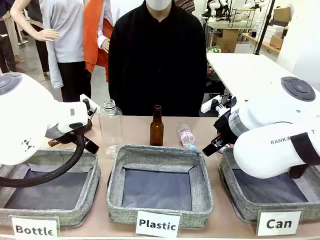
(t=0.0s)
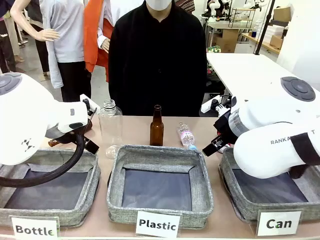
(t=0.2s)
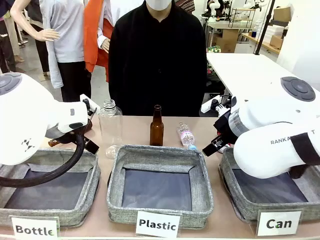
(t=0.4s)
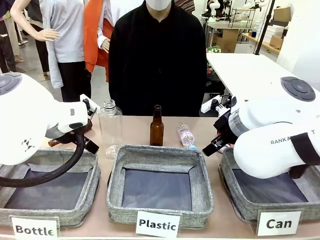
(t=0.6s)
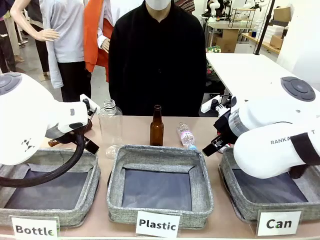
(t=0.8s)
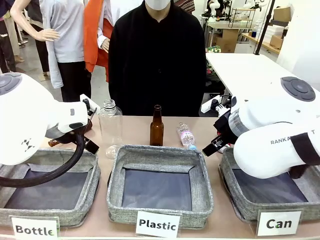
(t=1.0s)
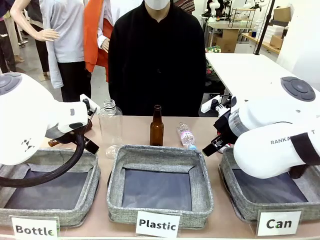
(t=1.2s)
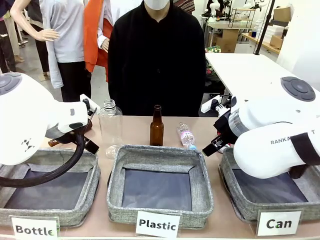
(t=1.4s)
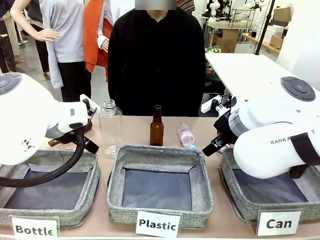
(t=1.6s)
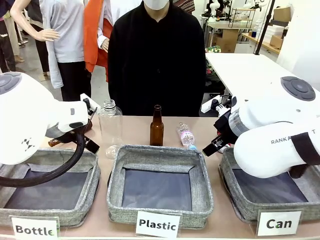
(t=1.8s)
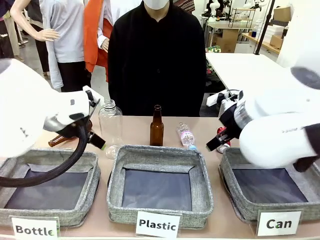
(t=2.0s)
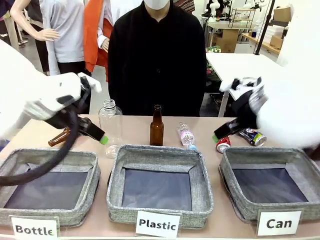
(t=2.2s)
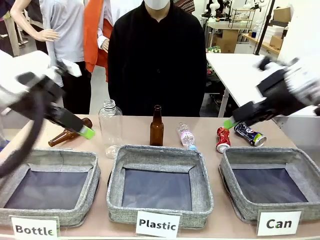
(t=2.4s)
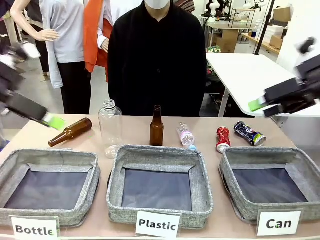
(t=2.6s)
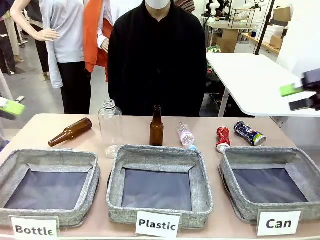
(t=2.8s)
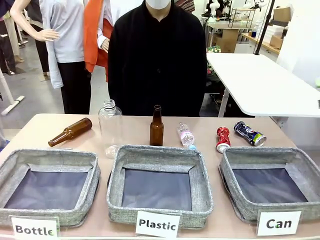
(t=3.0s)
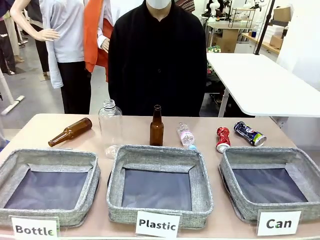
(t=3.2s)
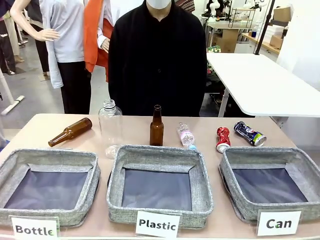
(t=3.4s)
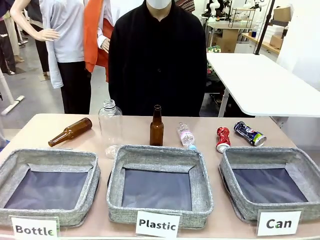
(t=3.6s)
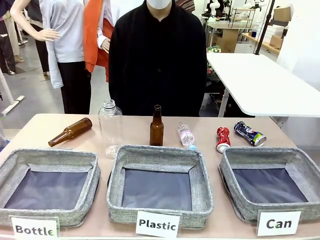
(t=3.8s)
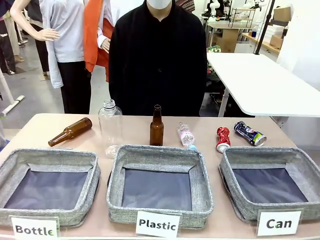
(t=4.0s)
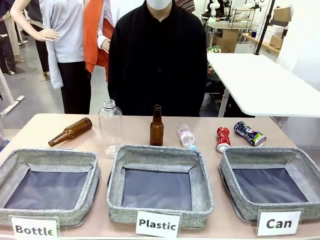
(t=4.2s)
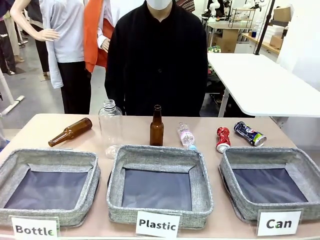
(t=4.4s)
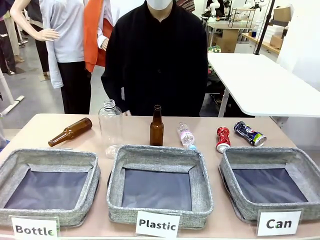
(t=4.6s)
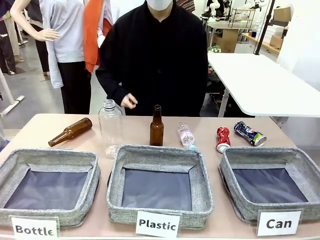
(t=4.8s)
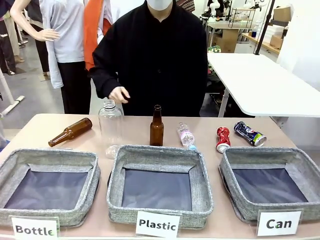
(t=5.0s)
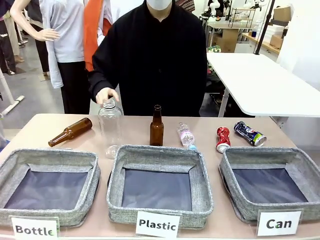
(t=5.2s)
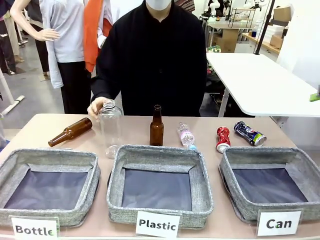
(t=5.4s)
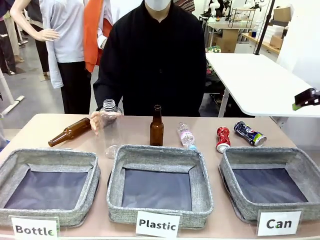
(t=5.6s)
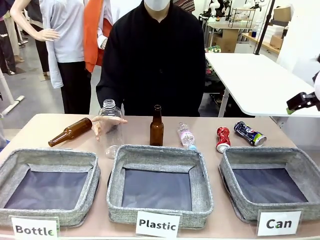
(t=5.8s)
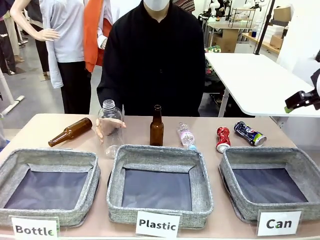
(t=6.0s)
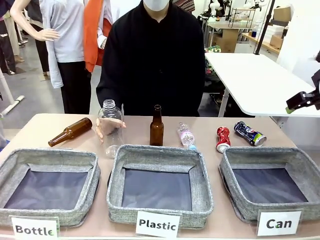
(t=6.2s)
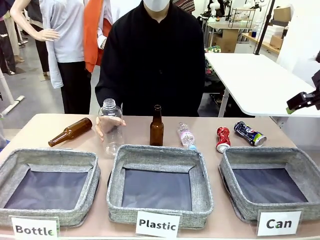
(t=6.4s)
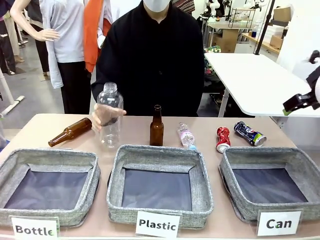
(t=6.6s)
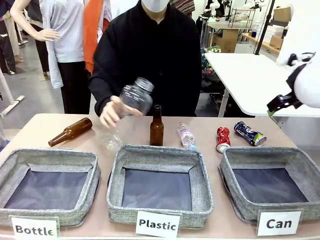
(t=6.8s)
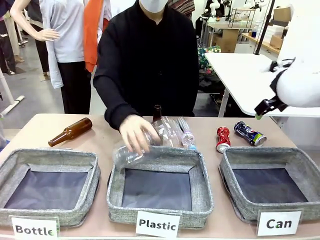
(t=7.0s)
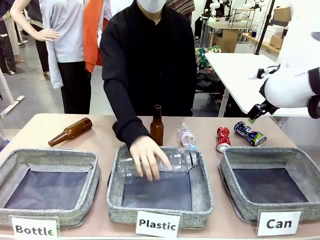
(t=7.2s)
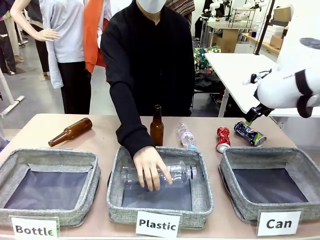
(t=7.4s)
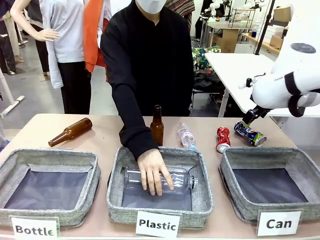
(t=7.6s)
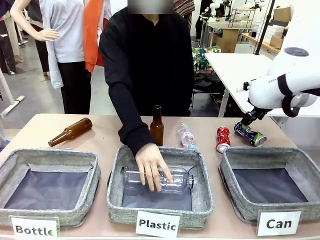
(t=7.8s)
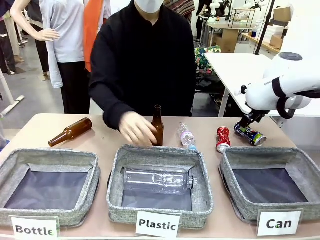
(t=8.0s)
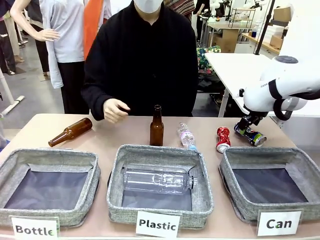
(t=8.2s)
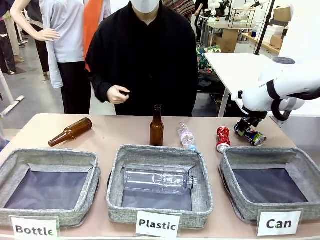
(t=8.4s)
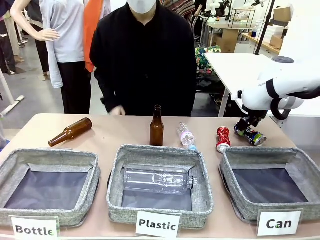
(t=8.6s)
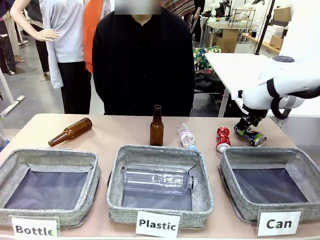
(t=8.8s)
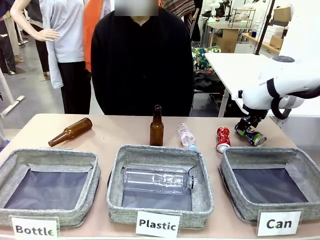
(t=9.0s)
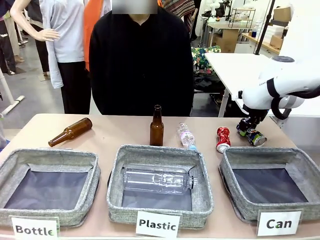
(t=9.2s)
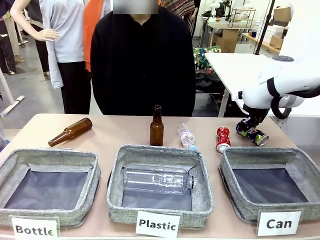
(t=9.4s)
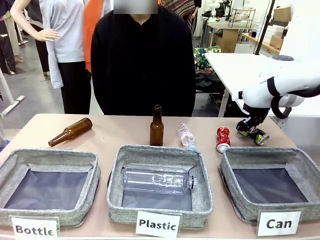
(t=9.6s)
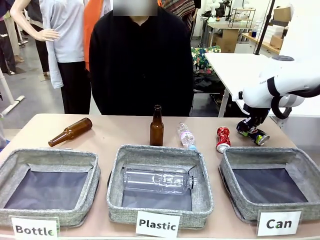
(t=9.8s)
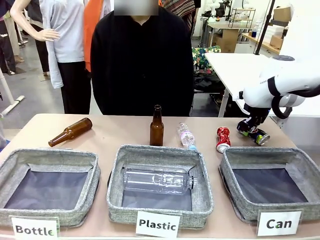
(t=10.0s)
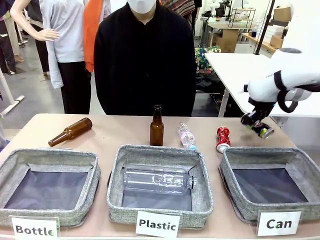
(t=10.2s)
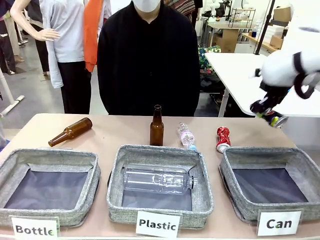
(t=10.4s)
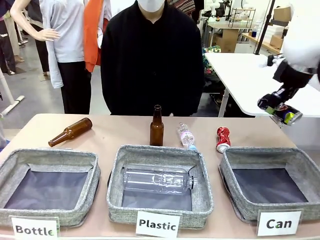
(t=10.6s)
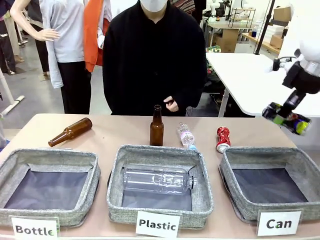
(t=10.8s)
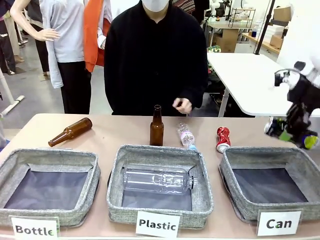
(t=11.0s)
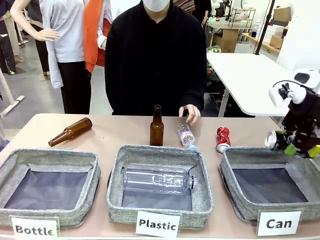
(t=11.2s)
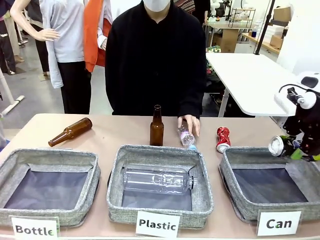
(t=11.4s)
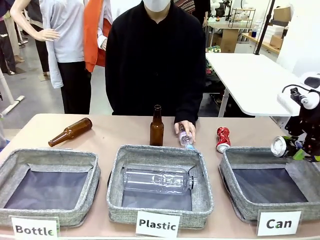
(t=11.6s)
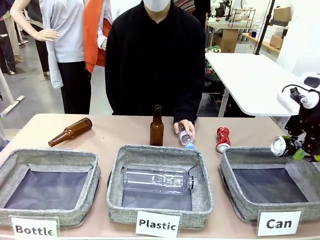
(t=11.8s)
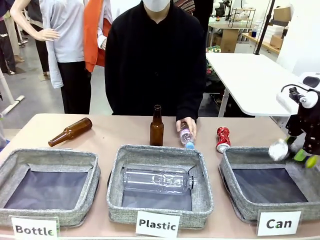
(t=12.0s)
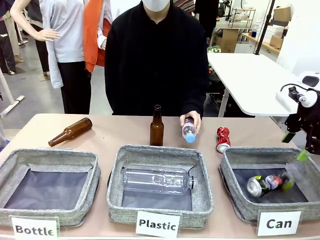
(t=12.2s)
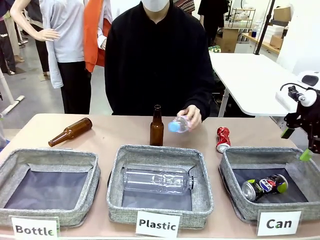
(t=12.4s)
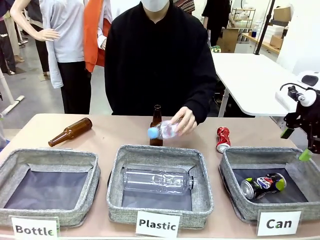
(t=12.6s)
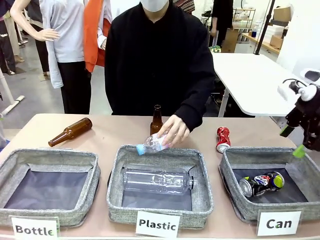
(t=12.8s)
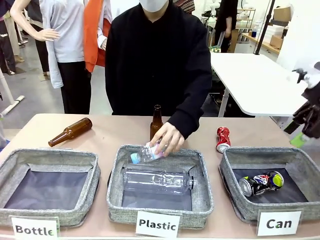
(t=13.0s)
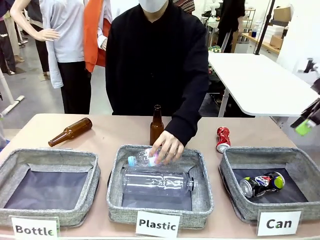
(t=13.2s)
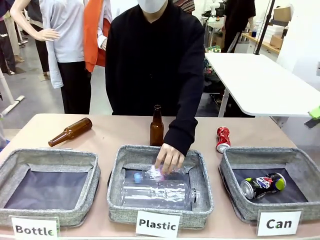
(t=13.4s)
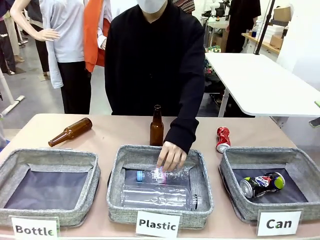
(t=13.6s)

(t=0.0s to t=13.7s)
Task: Sort the can waste into the basket.
Robot: Pick up the can waste from the table and place it in the right Fabric basket.
